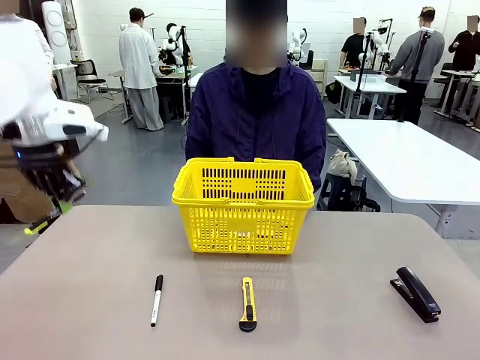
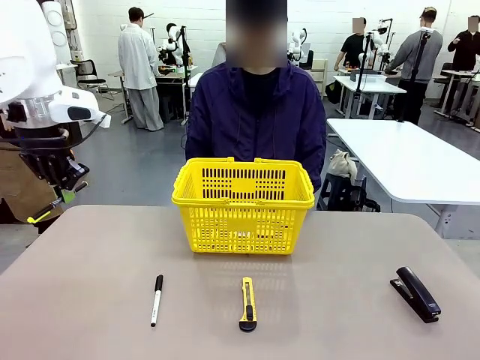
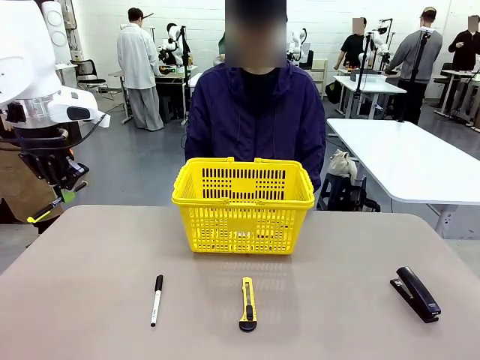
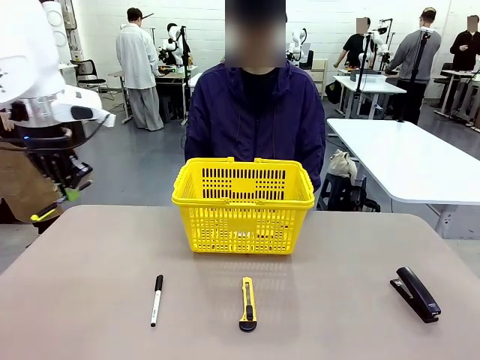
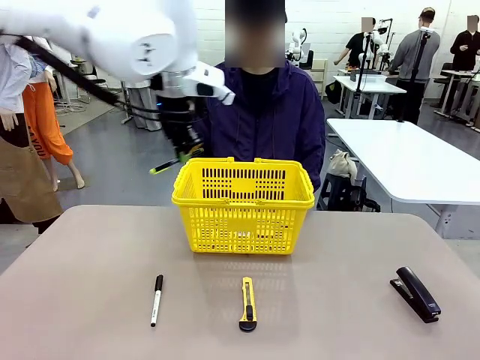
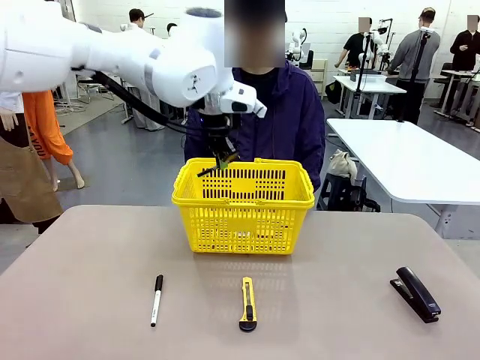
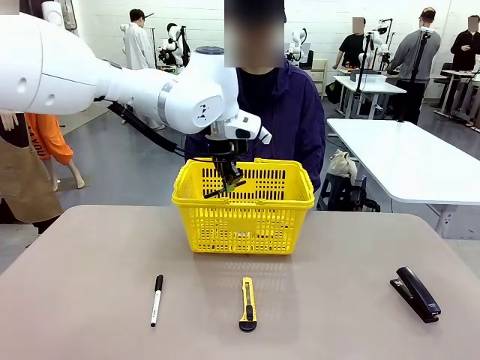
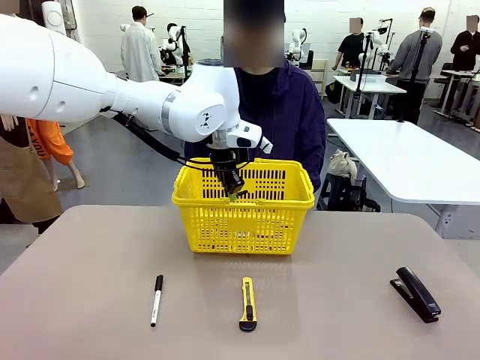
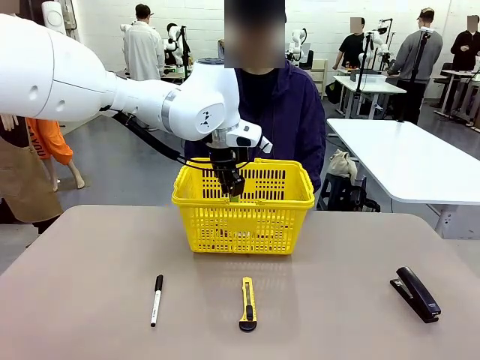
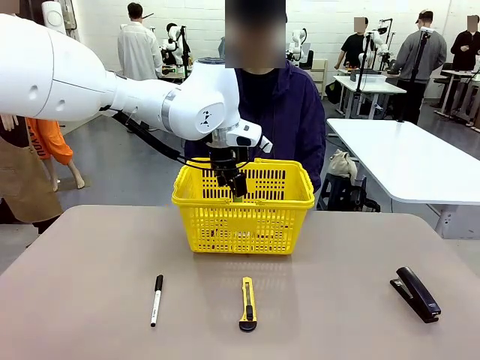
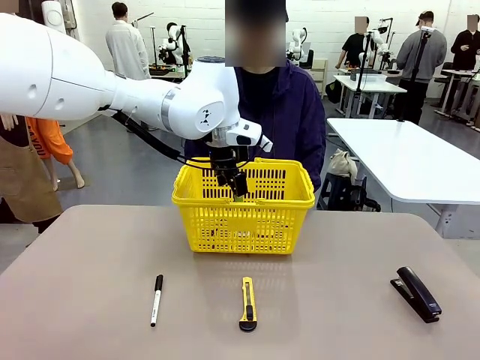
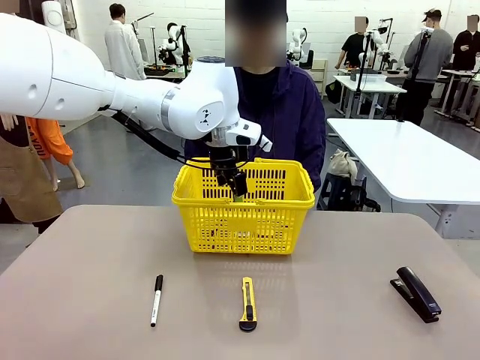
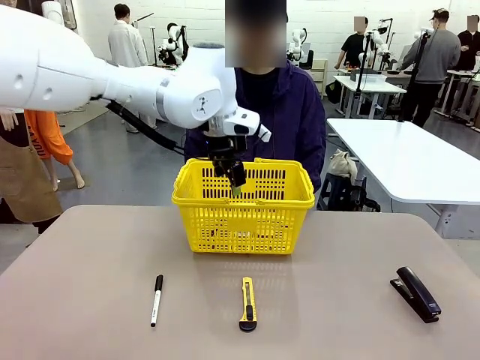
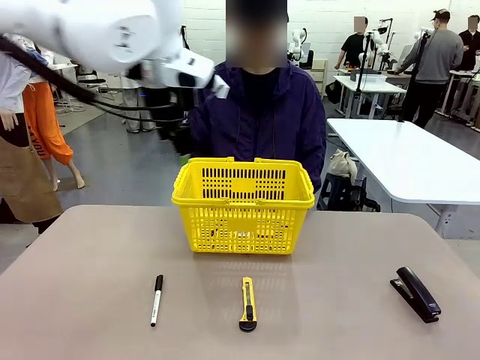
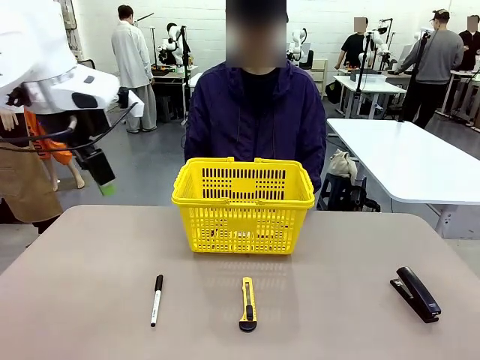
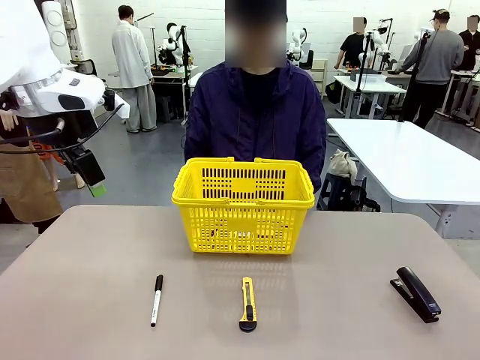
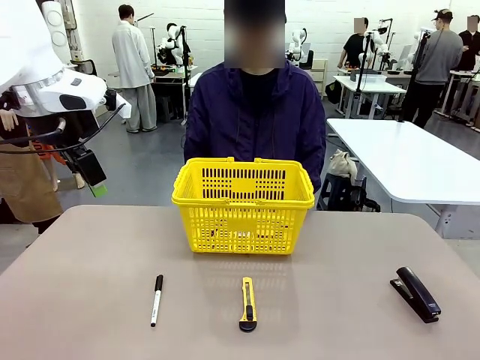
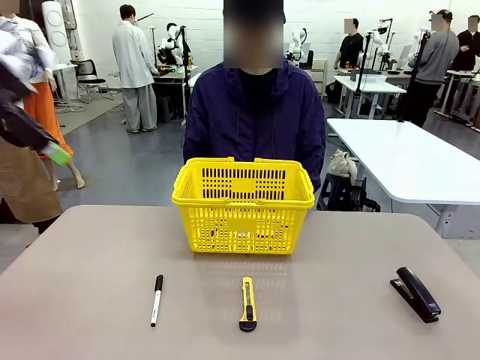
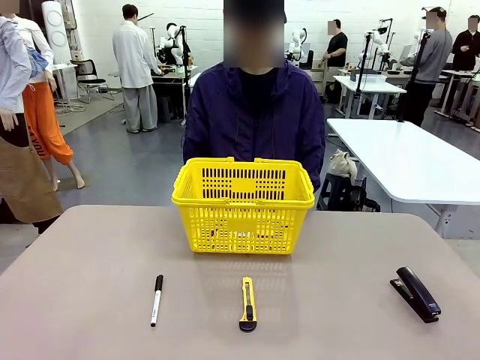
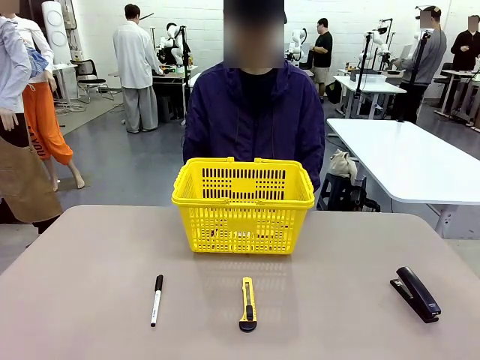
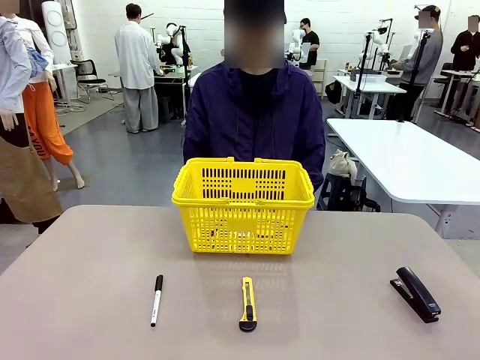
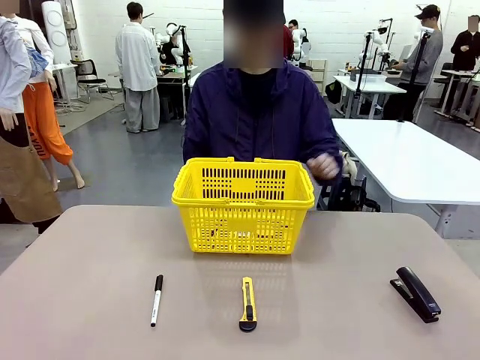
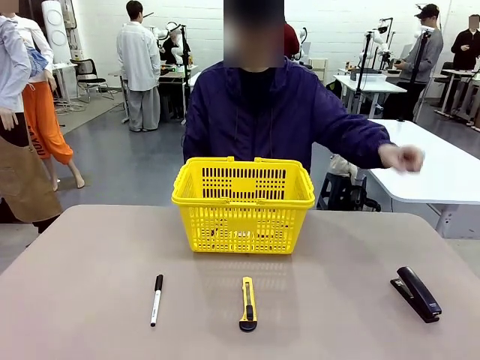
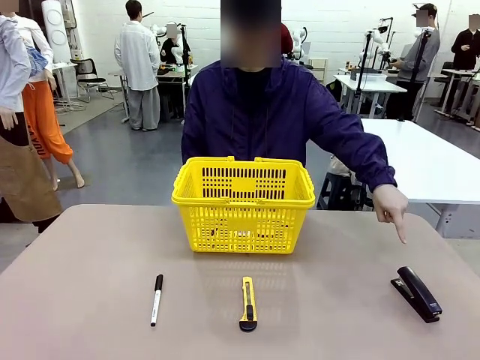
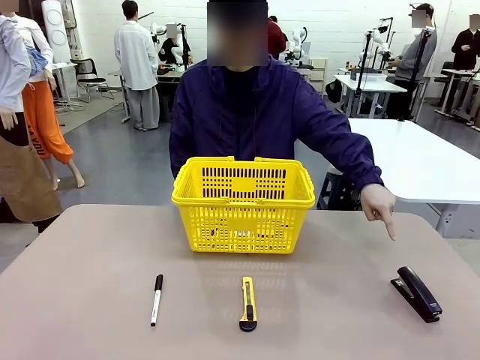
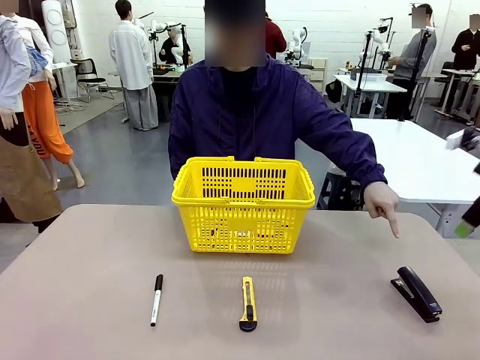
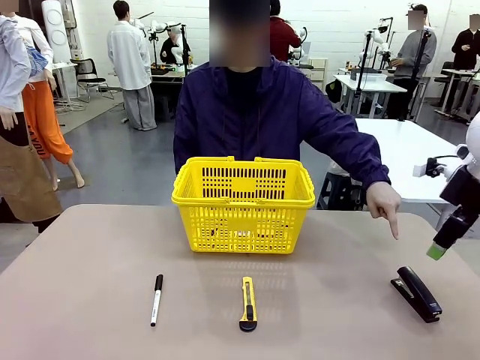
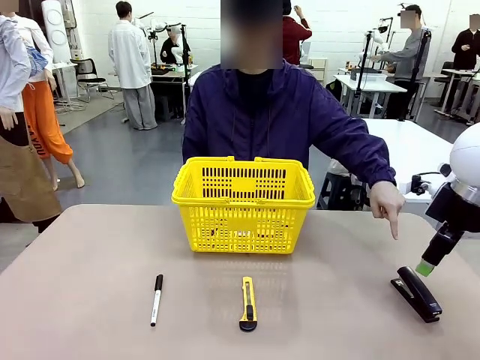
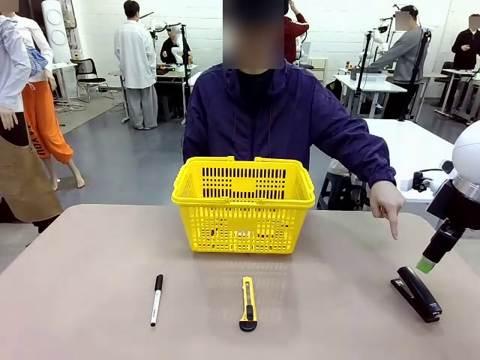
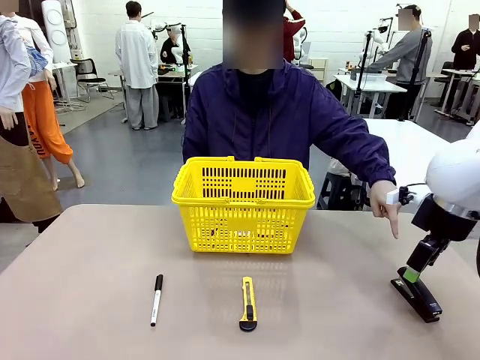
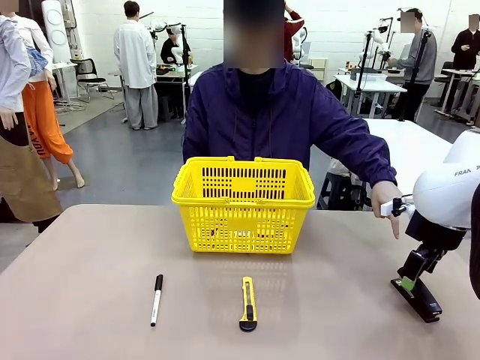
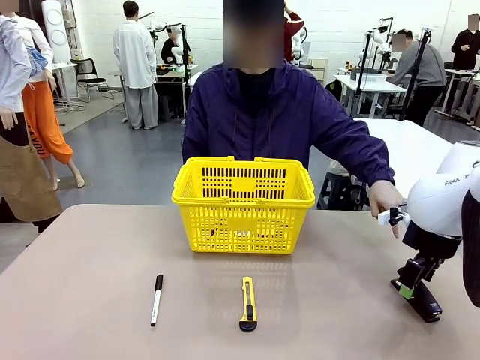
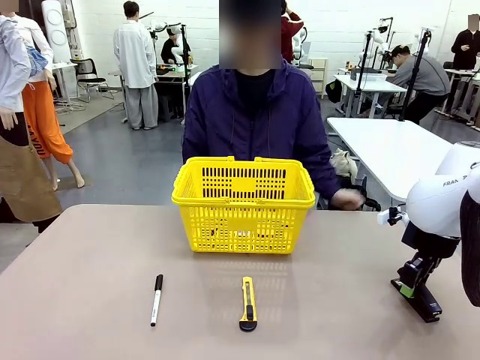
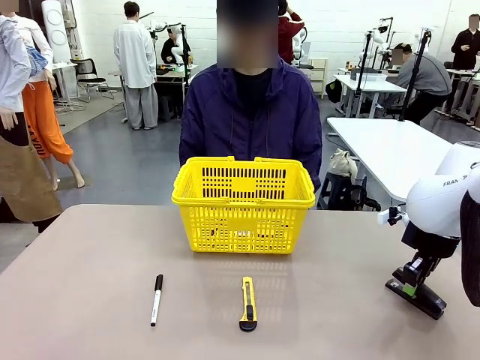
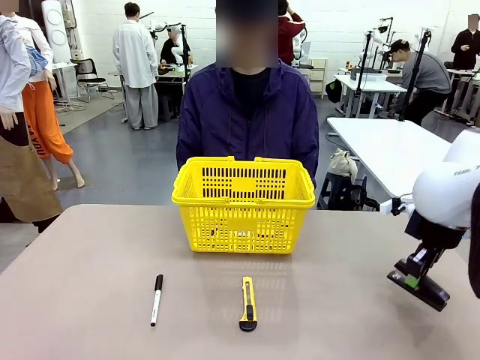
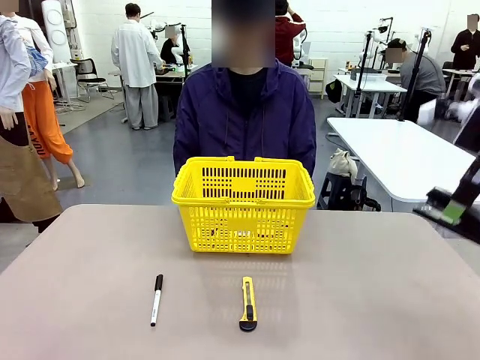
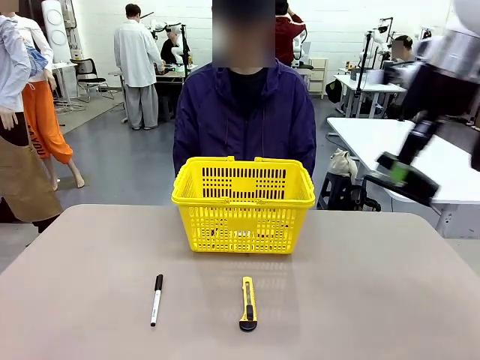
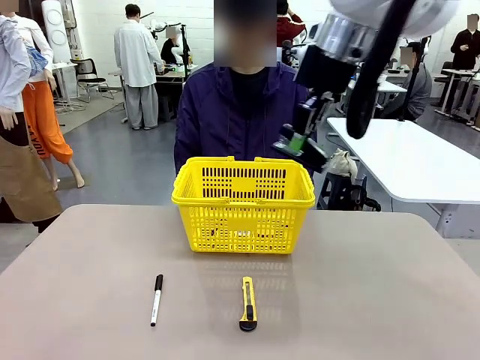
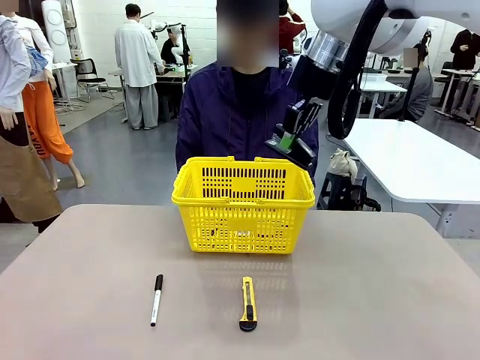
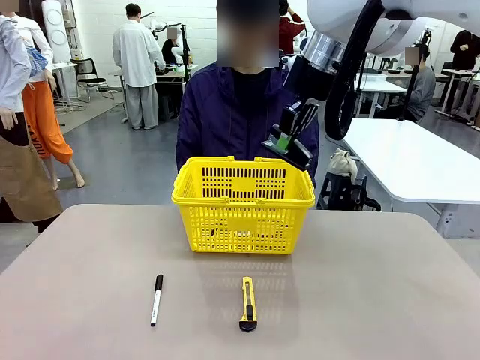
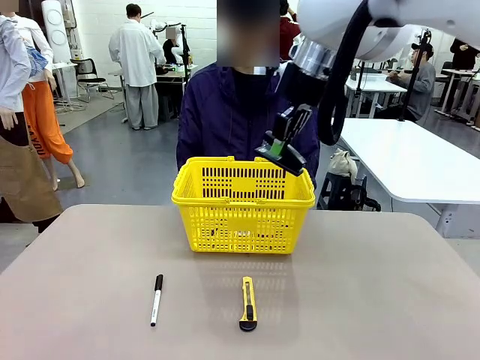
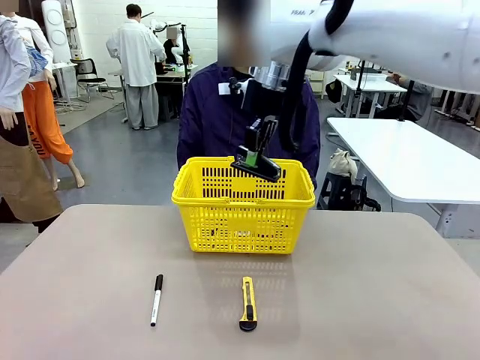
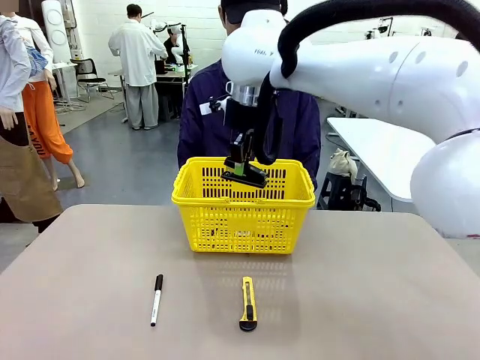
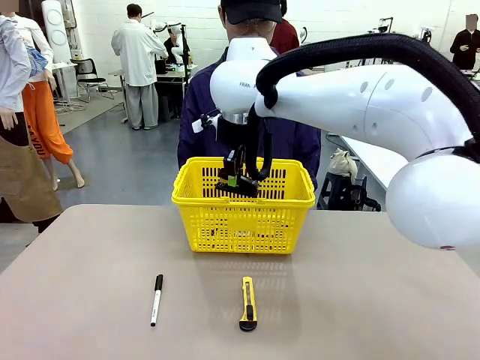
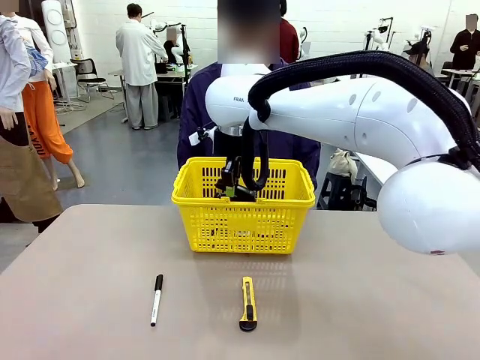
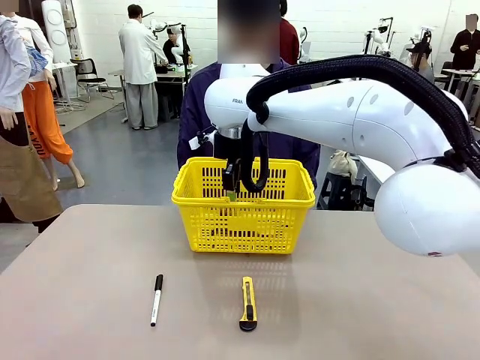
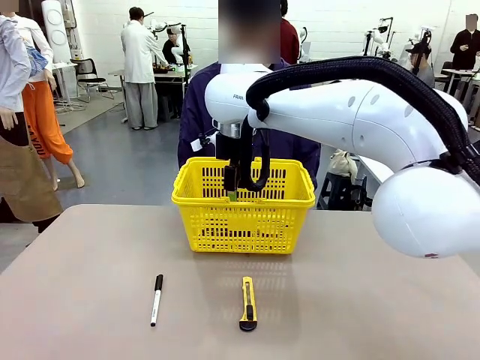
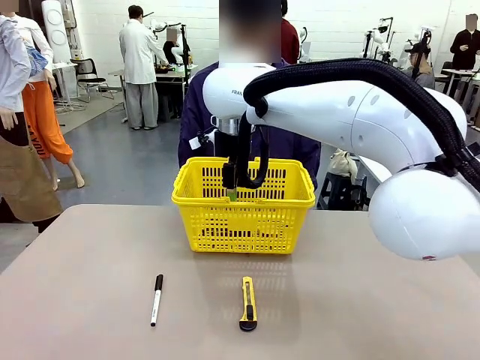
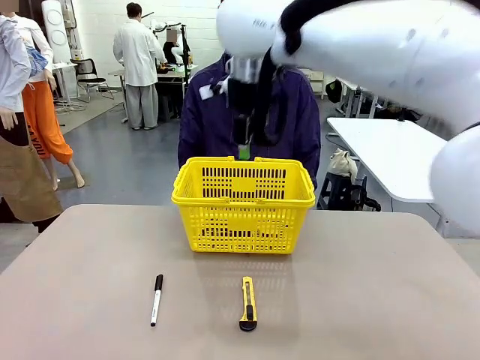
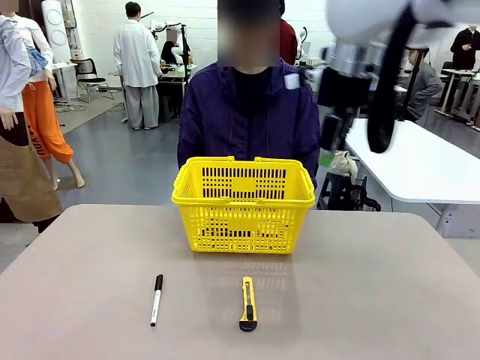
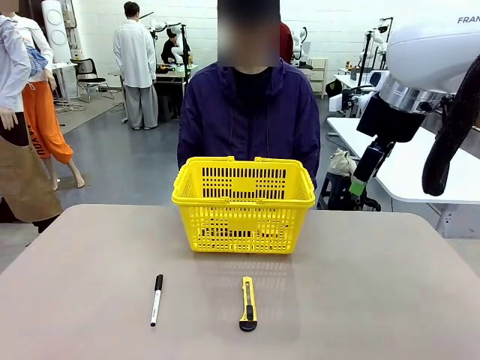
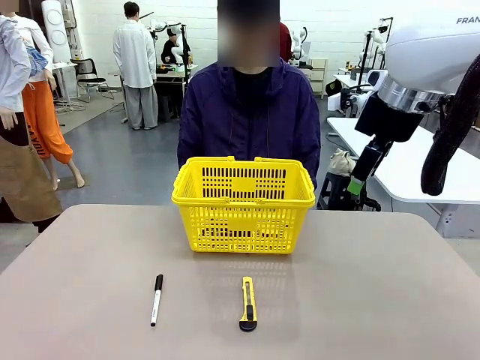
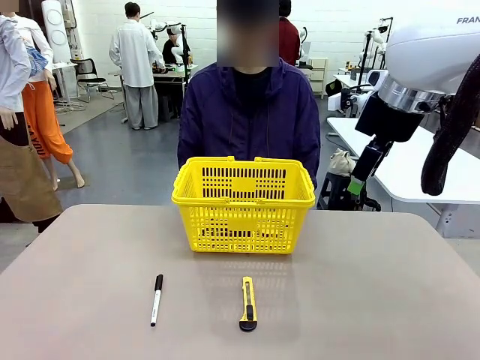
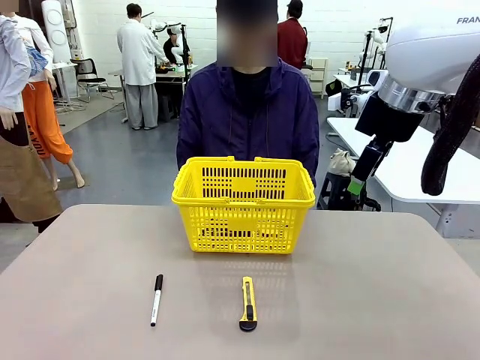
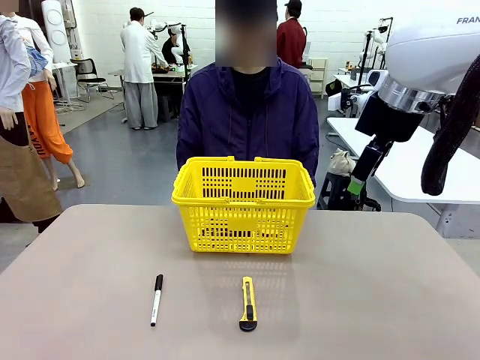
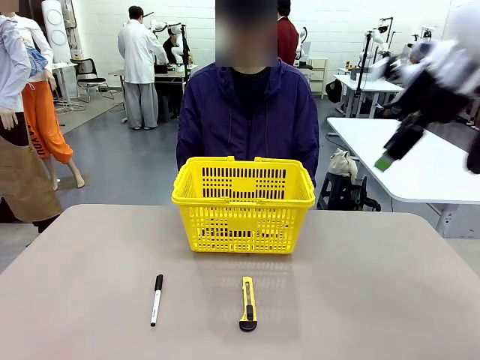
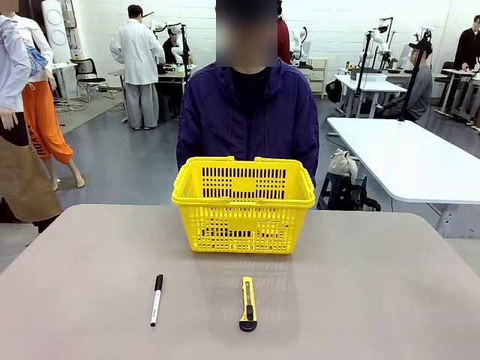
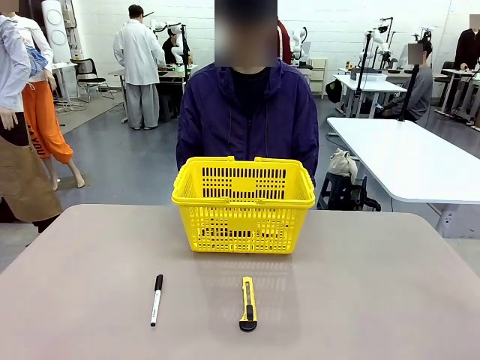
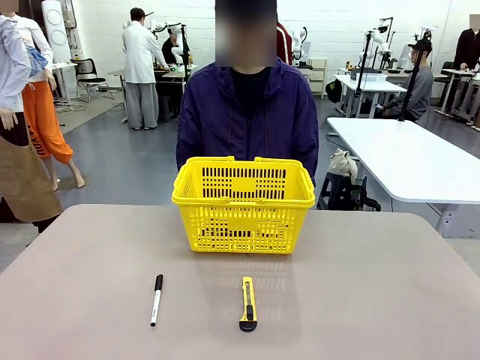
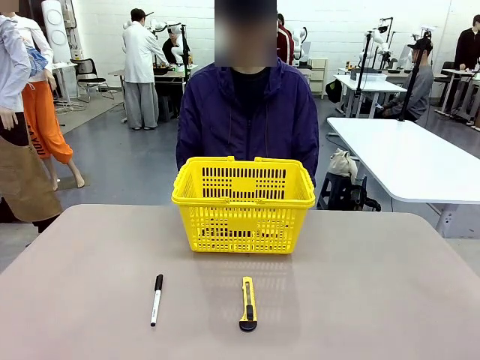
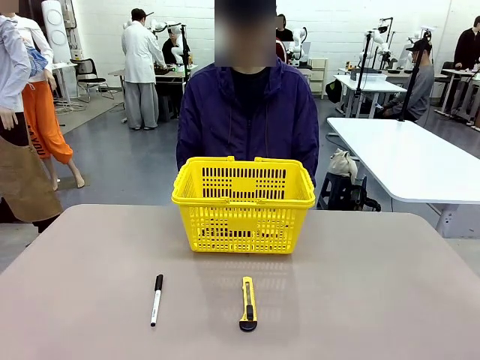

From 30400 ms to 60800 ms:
Task: Place the items the person wants into the basket.
Robot: Pick up the item the person points to and place it in the Market Basket.
